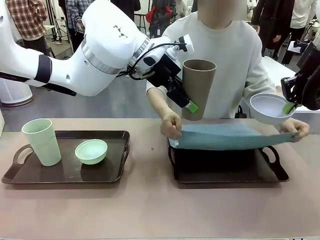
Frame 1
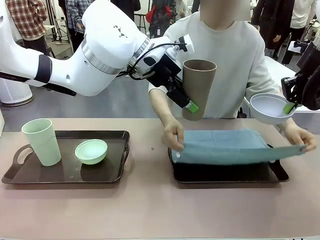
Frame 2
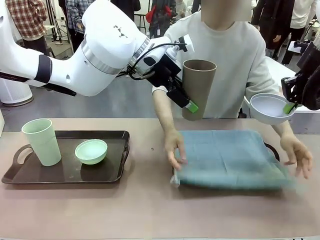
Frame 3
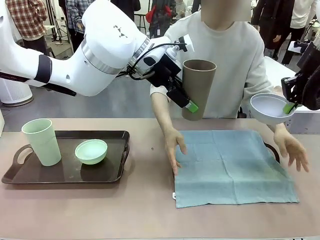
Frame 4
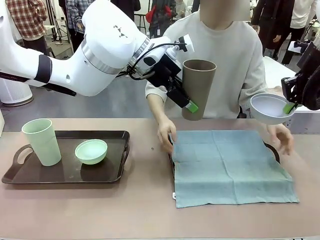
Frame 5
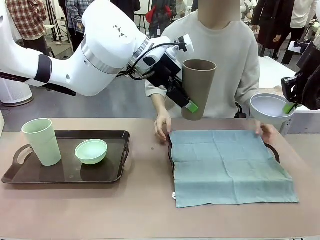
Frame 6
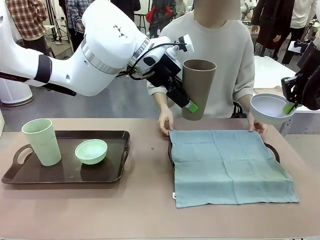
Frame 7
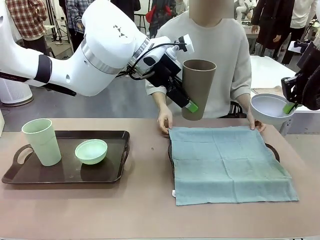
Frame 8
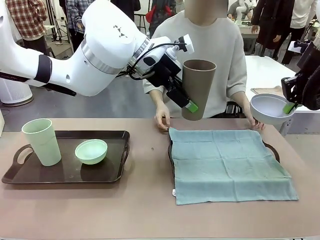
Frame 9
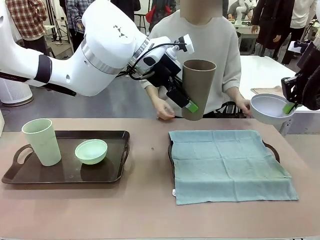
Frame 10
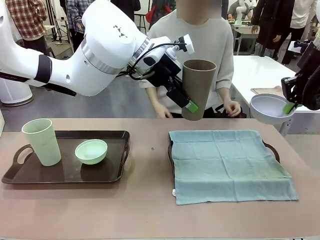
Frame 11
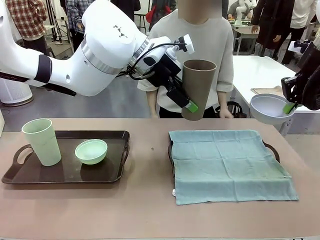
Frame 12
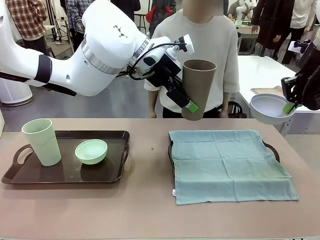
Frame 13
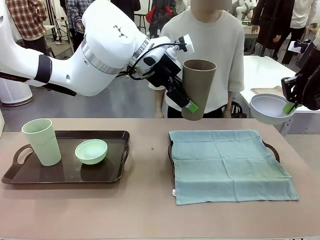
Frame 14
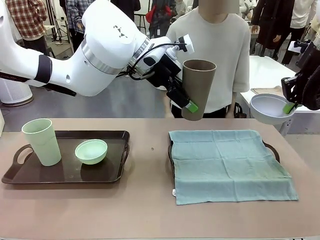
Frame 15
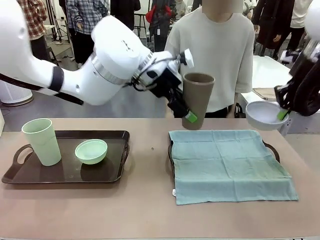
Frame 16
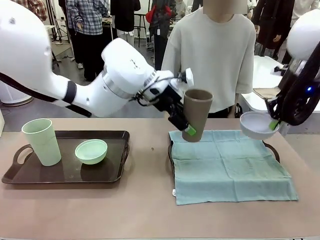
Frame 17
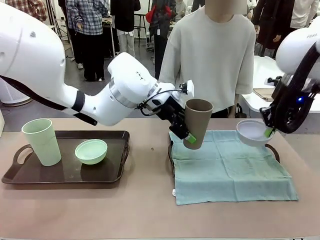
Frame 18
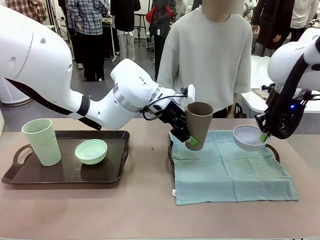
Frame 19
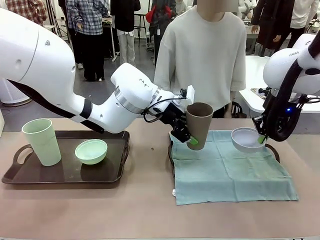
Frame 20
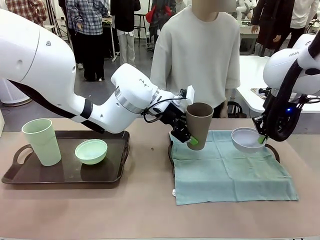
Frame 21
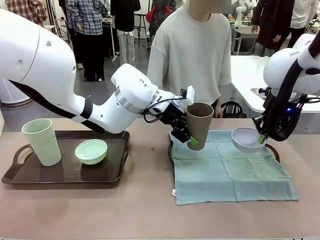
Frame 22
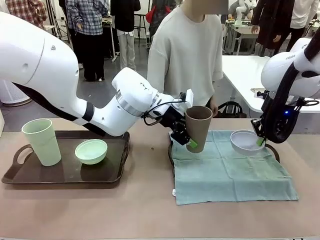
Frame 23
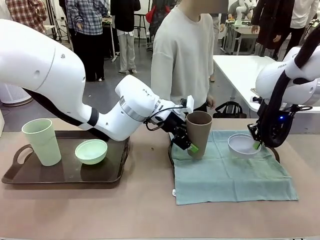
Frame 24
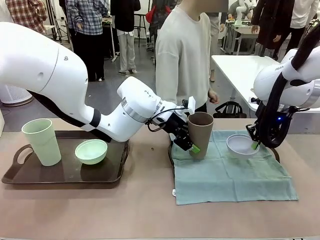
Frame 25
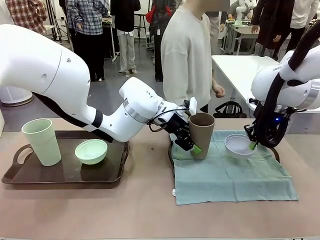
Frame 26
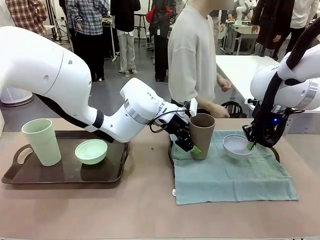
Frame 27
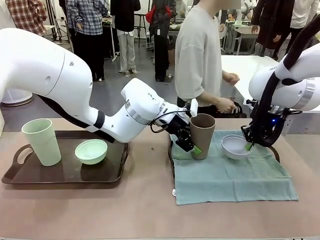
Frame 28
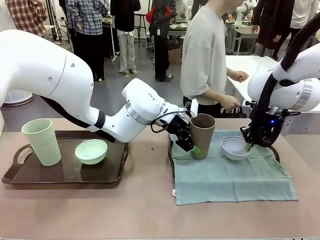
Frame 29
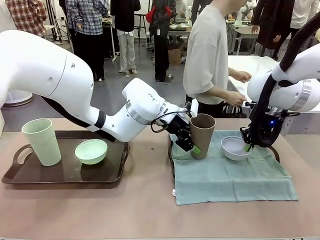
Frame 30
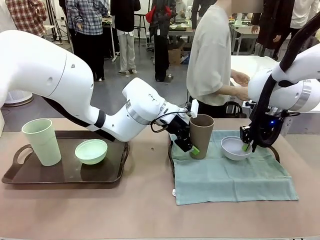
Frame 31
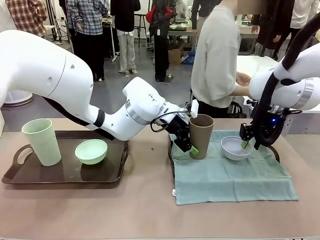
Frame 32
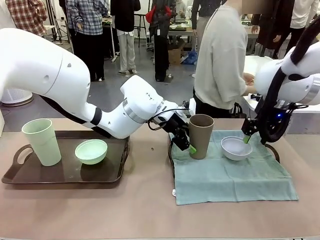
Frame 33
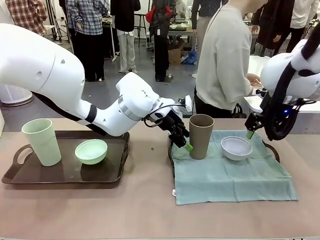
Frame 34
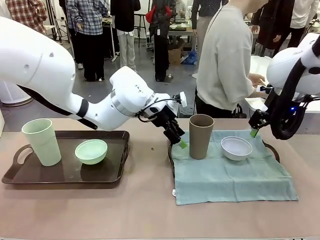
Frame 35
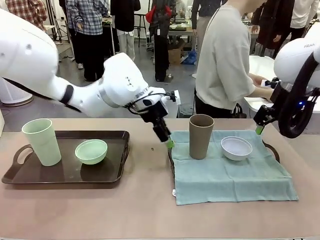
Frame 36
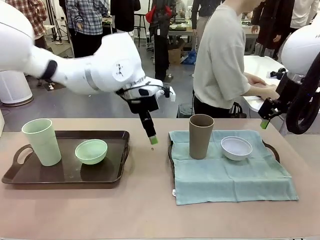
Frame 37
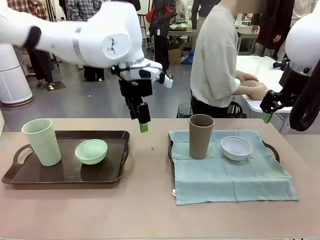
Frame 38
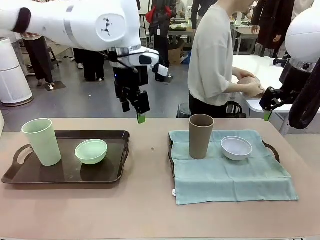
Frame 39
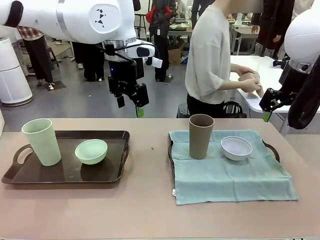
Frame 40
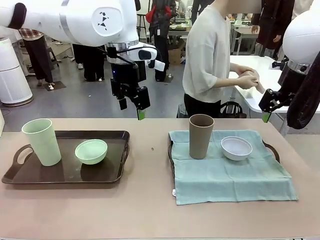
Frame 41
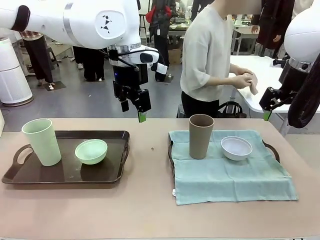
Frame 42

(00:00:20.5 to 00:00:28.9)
Robot: Place the Picnic Bowl and Reusable plastic cup back onto the Handle tray in front of the human's position.
Person: The human returns to the human table to pick up another napkin and walks to the robot table to stand in front of the tray without a napkin.

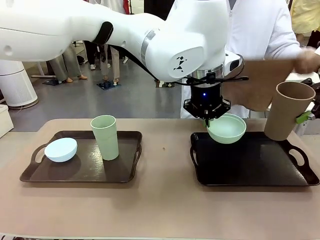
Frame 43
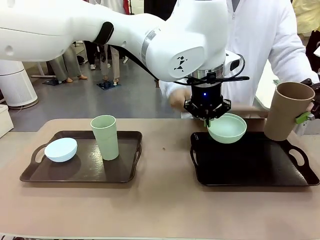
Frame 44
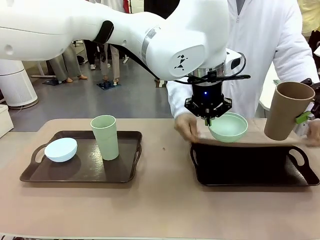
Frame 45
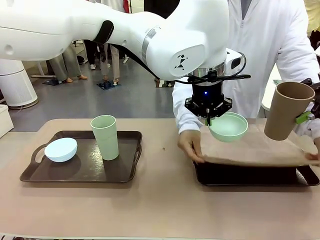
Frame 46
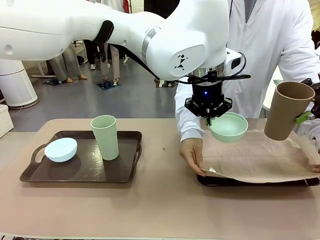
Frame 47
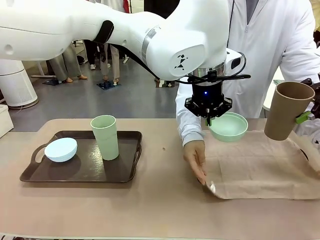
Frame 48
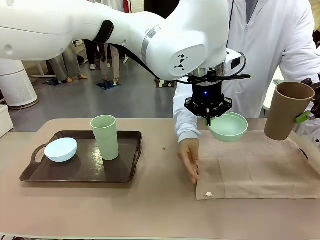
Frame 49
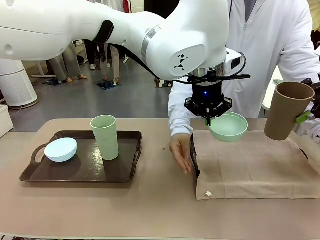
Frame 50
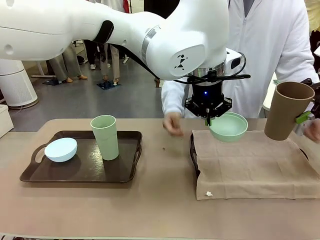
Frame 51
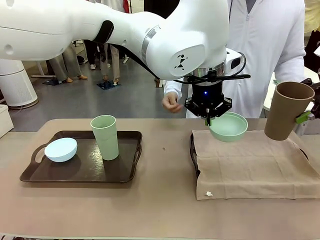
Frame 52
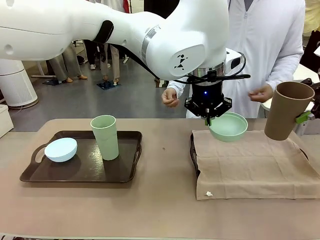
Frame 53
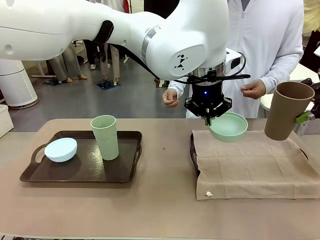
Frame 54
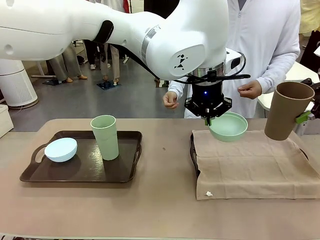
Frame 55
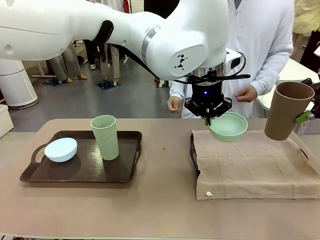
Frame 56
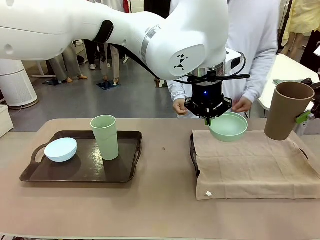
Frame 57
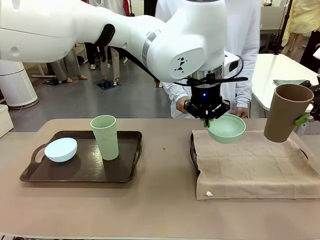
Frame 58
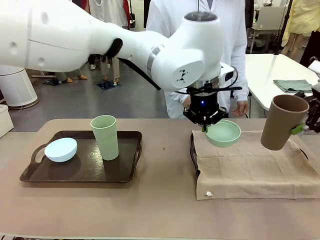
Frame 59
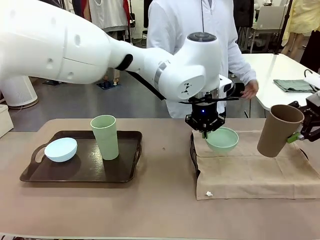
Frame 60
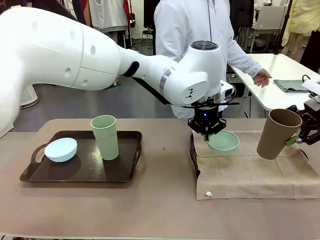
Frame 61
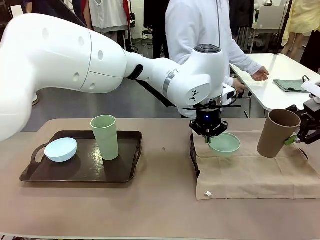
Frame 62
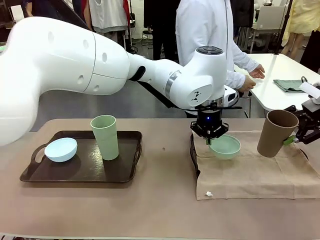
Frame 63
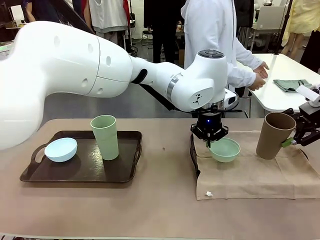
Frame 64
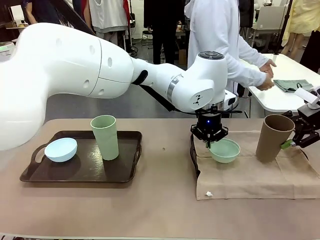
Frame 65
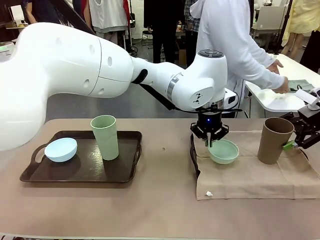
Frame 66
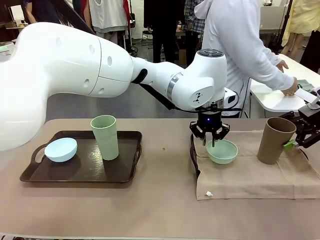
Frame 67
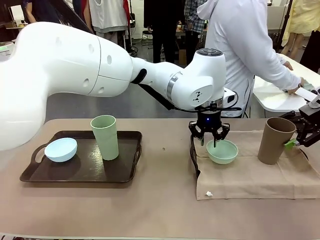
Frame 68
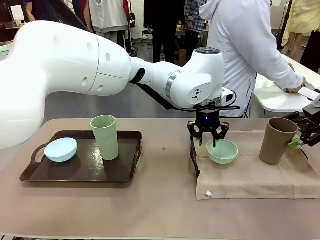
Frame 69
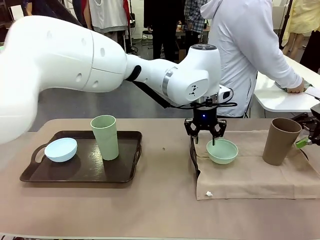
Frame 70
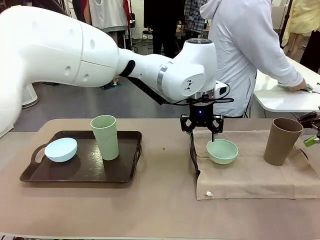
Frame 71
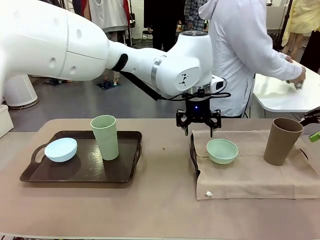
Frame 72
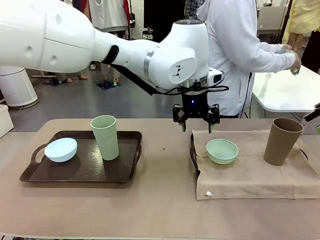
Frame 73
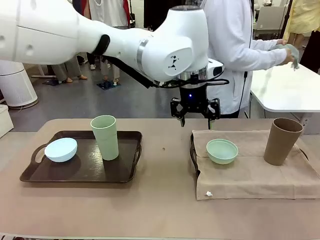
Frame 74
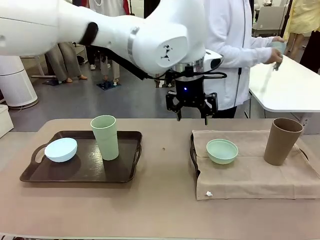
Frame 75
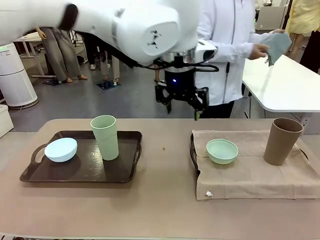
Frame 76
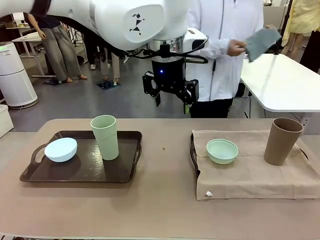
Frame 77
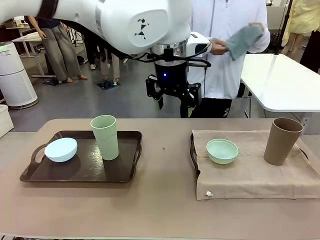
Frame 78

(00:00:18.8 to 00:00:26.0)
Robot: Place the Picnic Bowl and Reusable plastic cup back onto the Handle tray in front of the human's position.
Person: The human returns to the human table to pick up another napkin and walks to the robot table to stand in front of the tray without a napkin.
